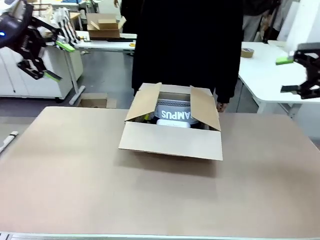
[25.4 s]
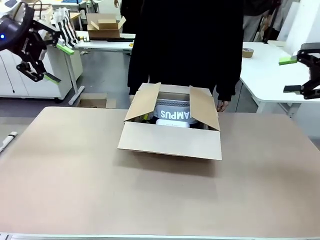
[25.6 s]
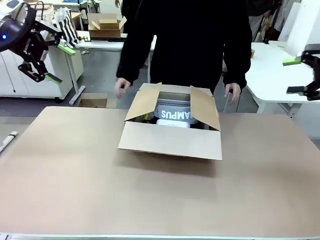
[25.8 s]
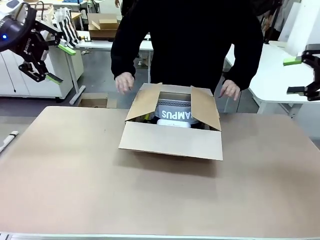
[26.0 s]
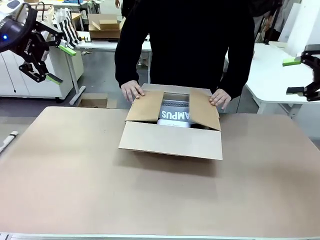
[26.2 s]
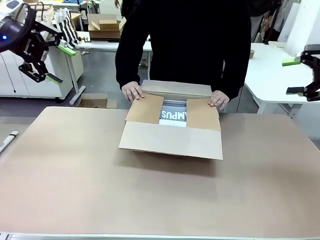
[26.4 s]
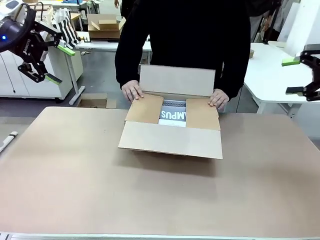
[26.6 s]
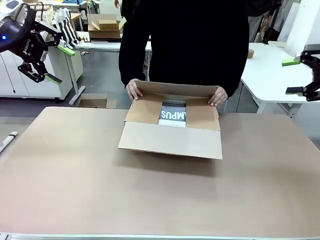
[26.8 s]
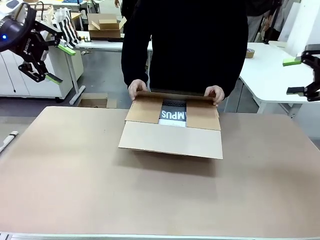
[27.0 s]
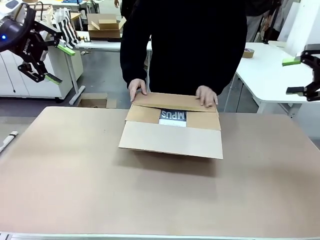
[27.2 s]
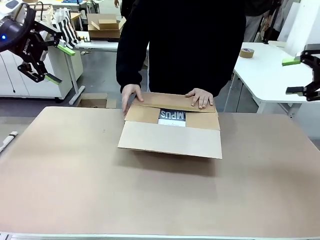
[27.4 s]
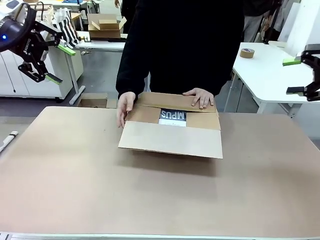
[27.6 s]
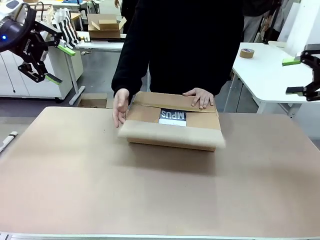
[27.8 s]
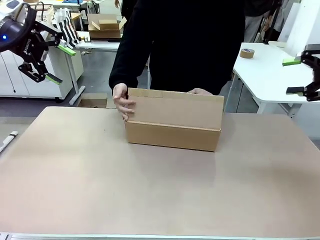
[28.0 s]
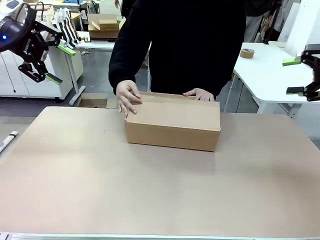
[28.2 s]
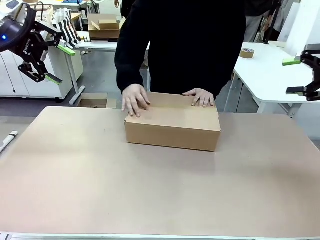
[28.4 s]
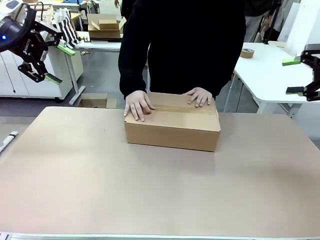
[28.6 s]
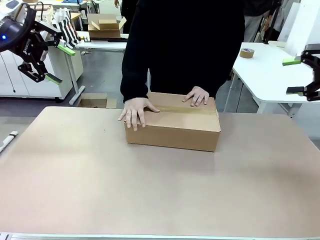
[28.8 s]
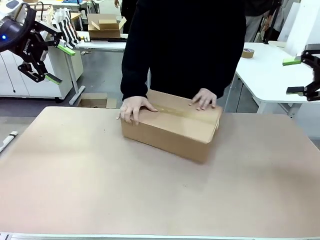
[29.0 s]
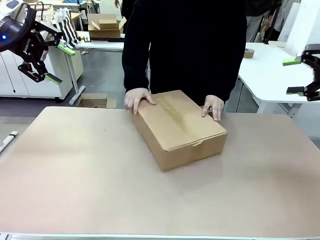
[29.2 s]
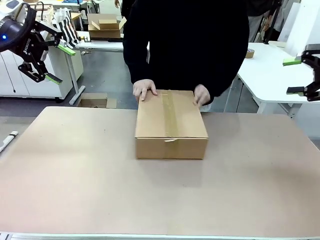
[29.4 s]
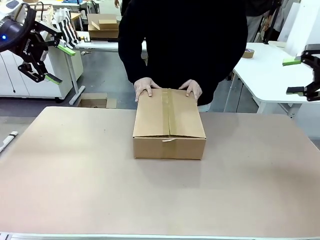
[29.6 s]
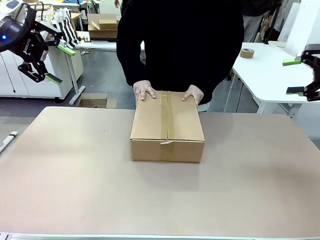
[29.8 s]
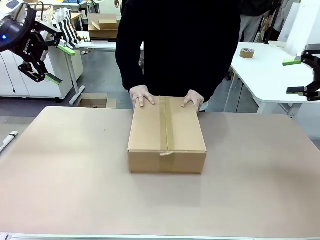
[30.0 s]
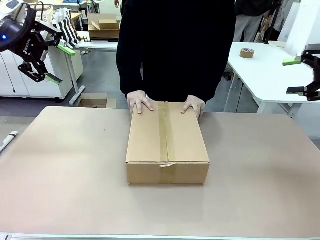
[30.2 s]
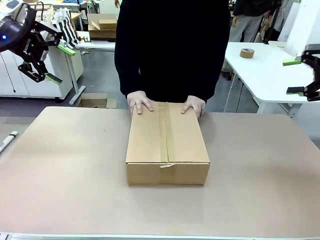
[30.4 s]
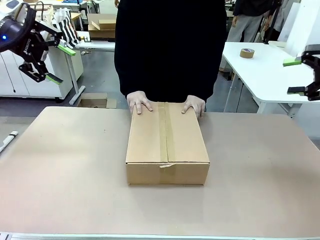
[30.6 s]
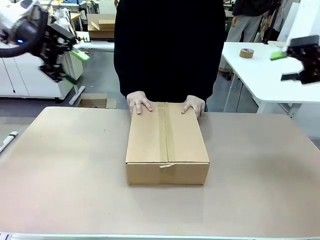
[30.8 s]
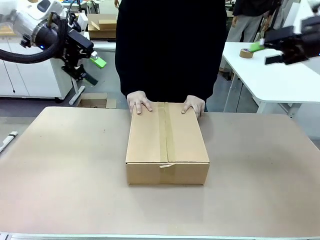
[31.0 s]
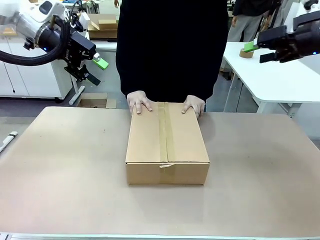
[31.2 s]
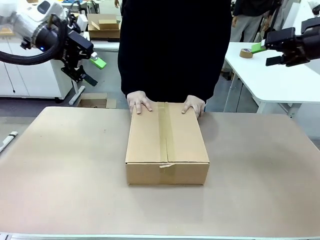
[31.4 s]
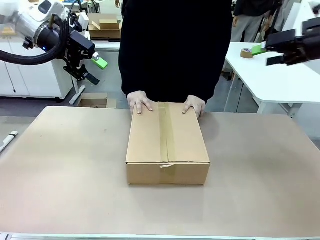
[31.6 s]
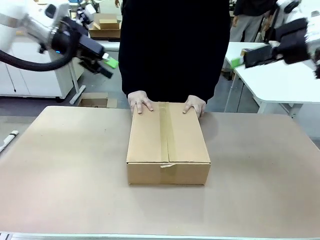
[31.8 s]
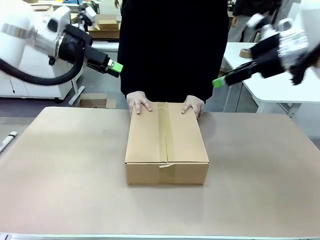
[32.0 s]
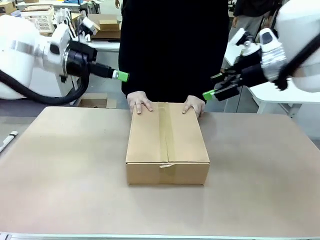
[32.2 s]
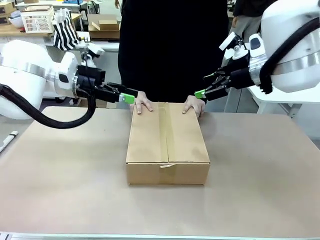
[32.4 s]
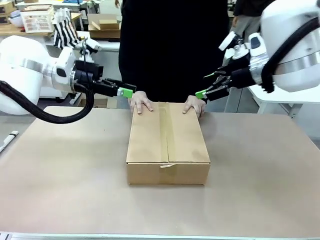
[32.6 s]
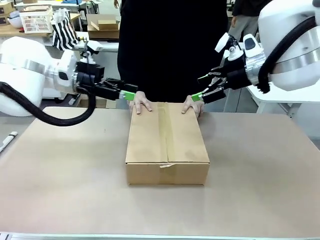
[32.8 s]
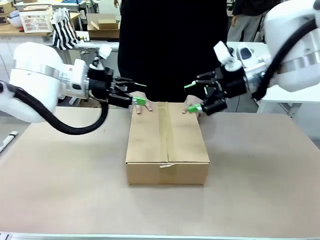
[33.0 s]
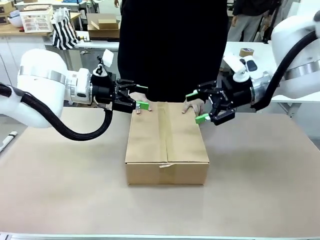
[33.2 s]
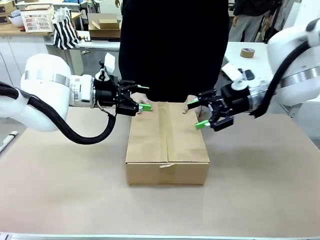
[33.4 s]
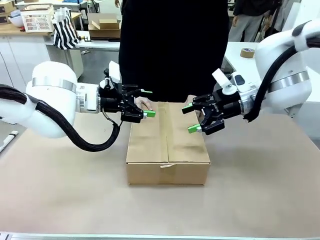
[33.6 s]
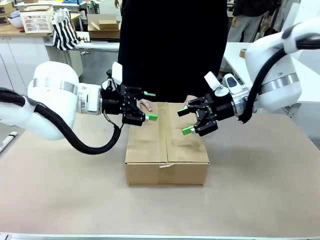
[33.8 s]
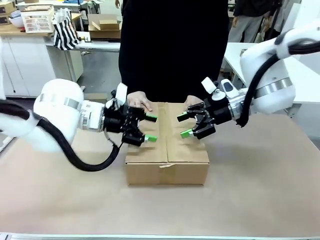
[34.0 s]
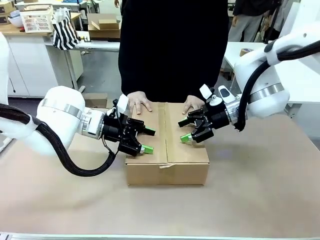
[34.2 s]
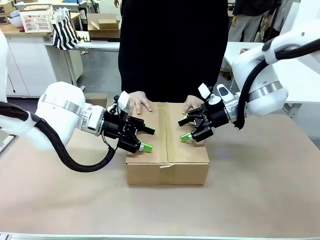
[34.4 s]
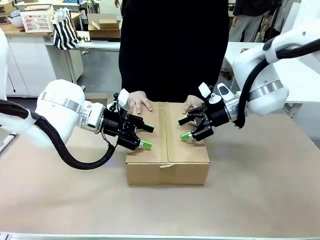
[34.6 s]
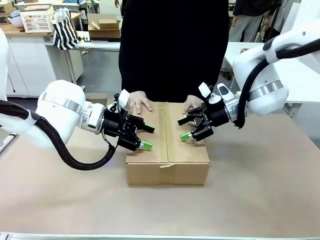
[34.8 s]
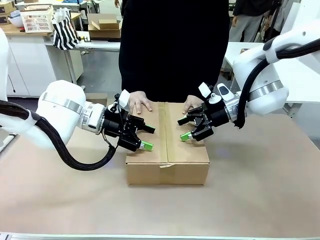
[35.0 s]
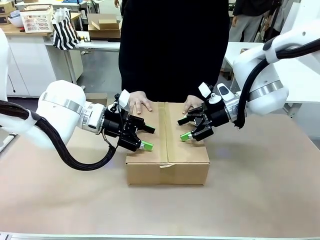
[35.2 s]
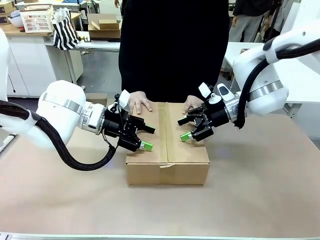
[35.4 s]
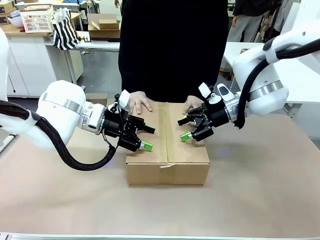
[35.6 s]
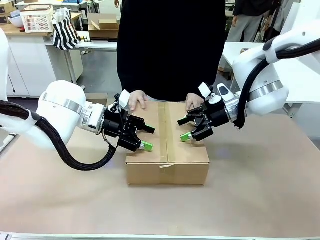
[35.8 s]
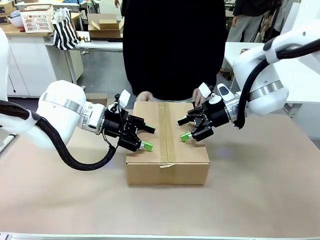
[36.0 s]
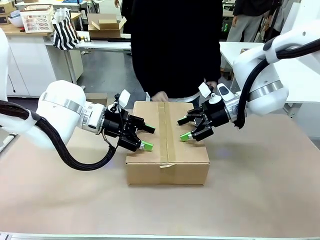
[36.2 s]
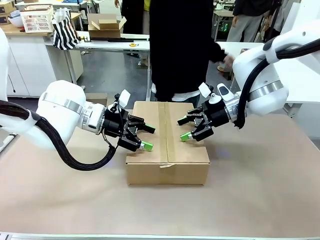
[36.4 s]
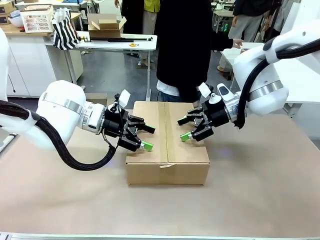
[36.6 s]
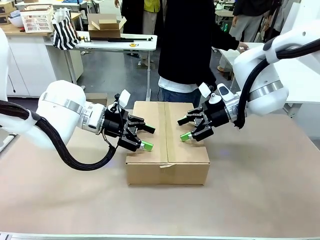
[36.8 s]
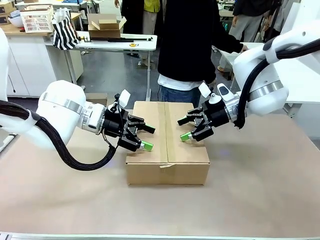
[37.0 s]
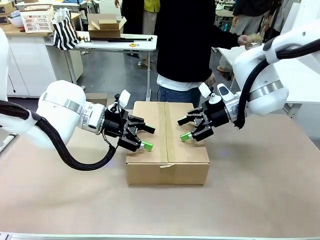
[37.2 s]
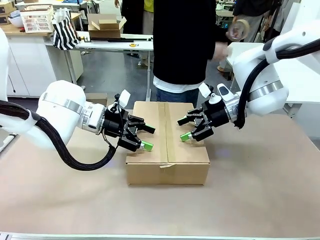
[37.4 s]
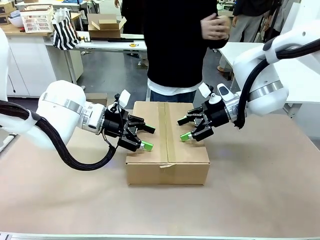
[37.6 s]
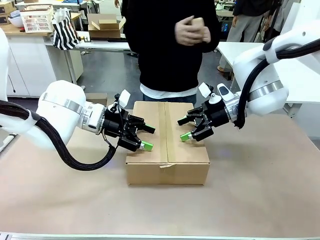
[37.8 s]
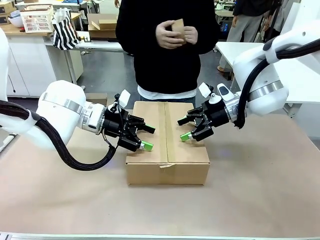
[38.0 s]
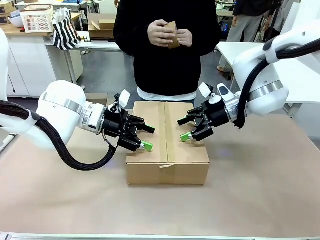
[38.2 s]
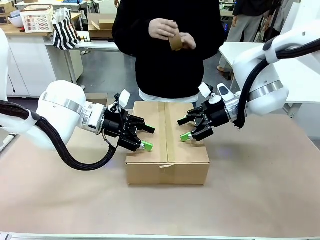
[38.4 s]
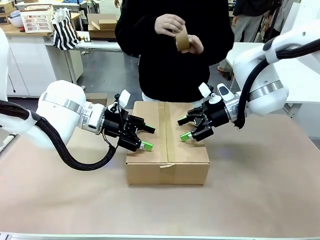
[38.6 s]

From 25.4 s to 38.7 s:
Task: Pack the gift set into the box.
Robot: Press and hold the closed box until the human finishes sealing it.
Person: The human closes the box and rotates the box by 90 degrees.

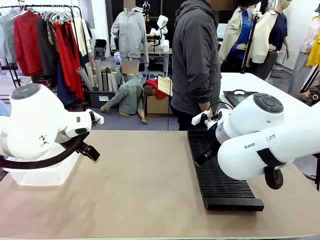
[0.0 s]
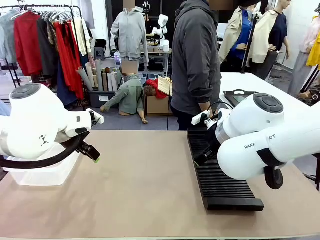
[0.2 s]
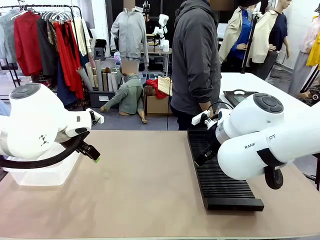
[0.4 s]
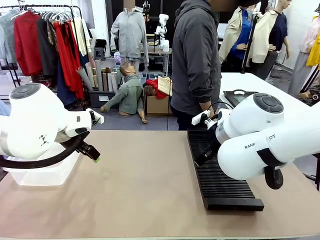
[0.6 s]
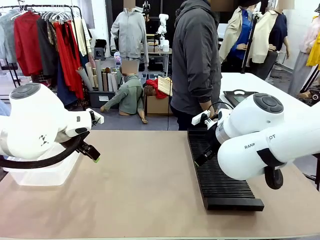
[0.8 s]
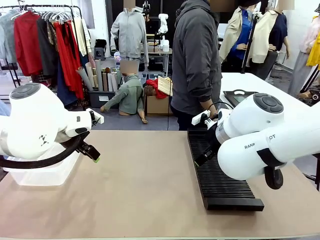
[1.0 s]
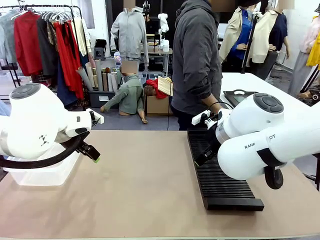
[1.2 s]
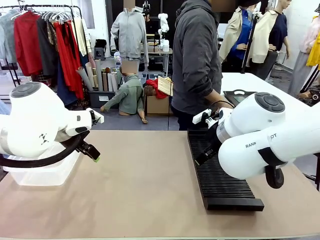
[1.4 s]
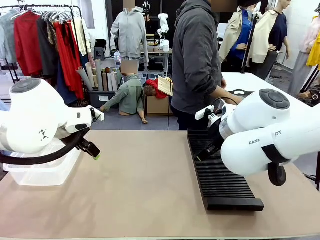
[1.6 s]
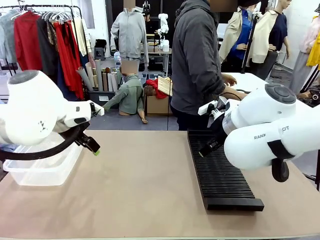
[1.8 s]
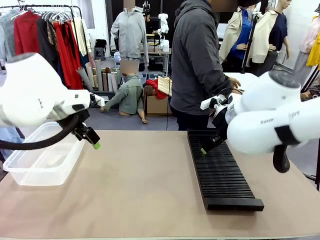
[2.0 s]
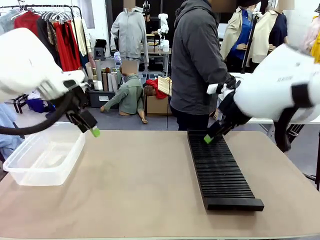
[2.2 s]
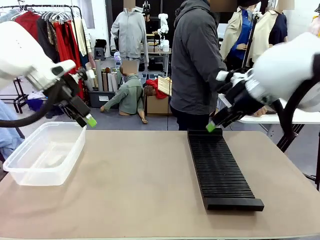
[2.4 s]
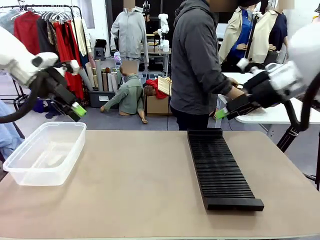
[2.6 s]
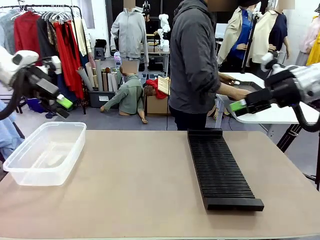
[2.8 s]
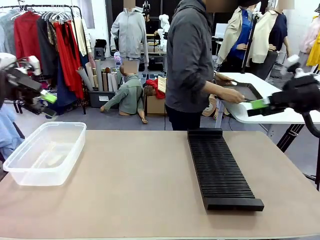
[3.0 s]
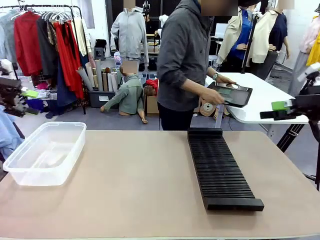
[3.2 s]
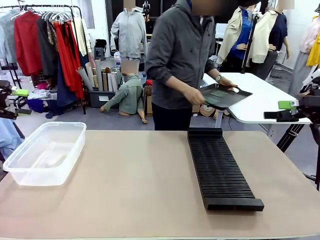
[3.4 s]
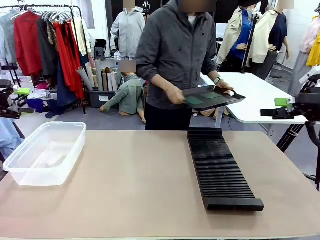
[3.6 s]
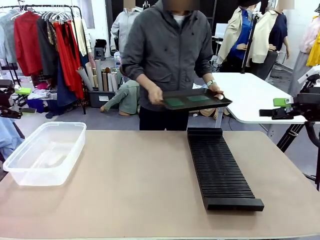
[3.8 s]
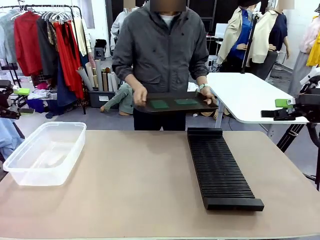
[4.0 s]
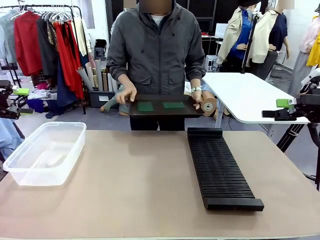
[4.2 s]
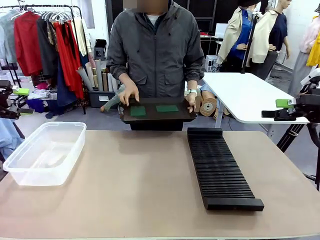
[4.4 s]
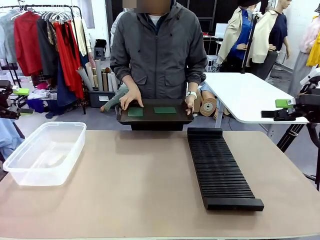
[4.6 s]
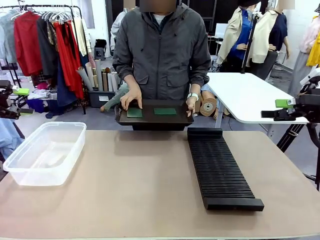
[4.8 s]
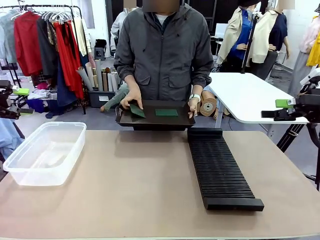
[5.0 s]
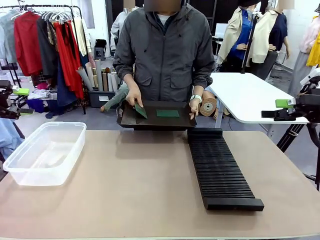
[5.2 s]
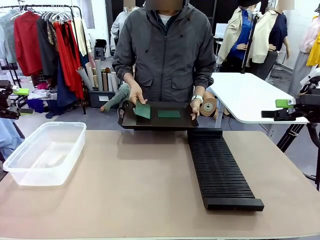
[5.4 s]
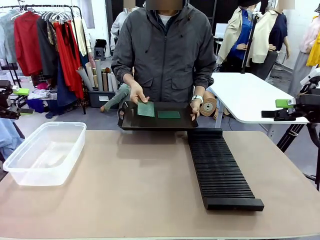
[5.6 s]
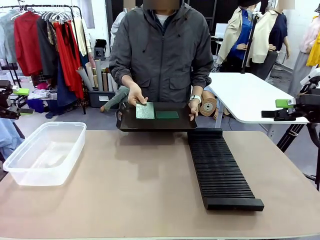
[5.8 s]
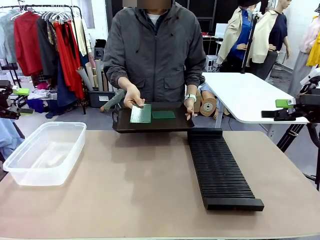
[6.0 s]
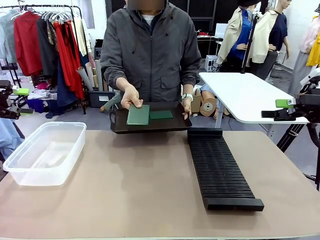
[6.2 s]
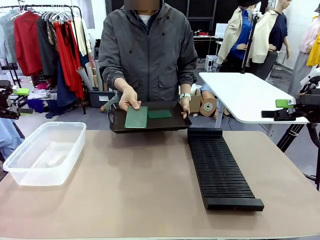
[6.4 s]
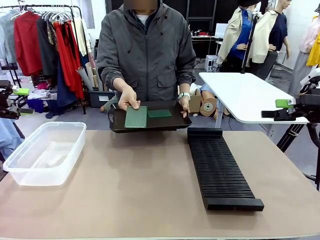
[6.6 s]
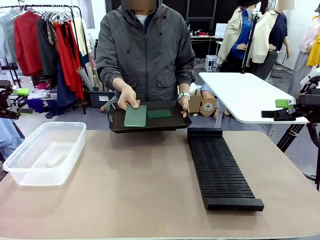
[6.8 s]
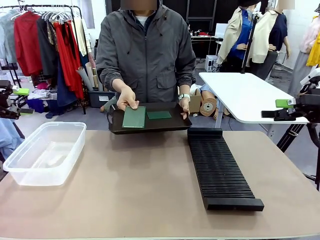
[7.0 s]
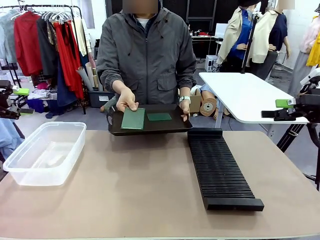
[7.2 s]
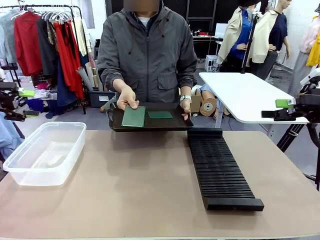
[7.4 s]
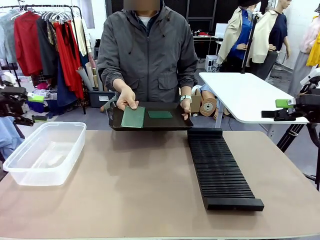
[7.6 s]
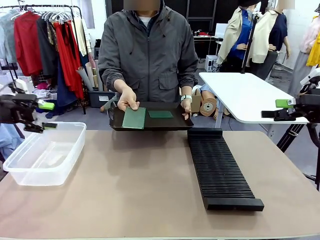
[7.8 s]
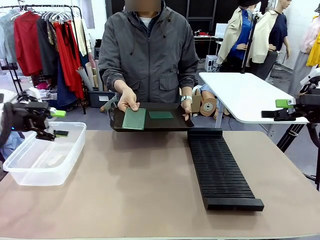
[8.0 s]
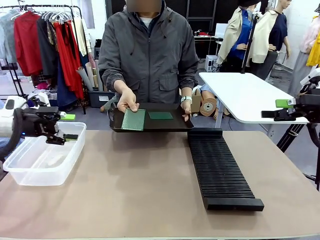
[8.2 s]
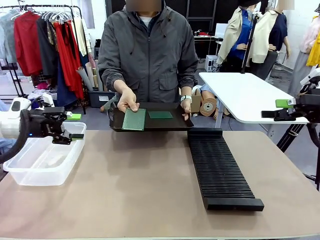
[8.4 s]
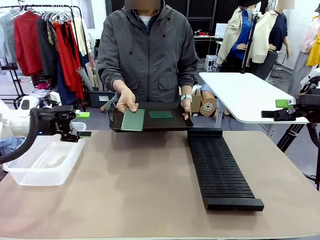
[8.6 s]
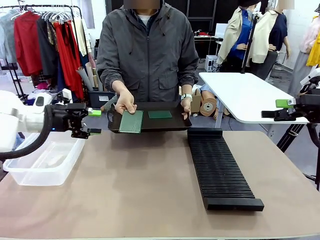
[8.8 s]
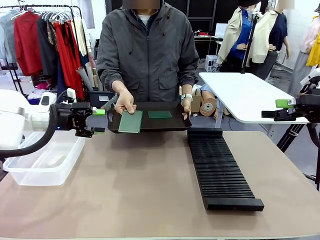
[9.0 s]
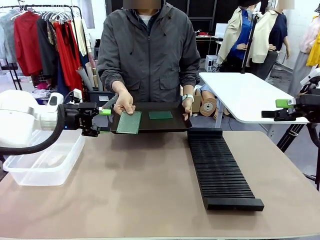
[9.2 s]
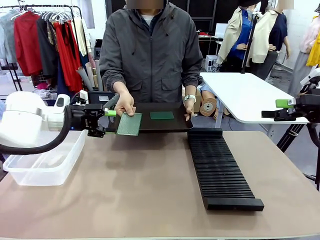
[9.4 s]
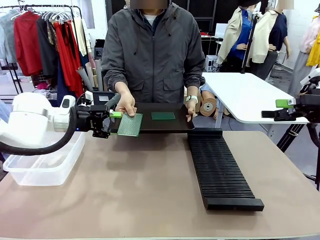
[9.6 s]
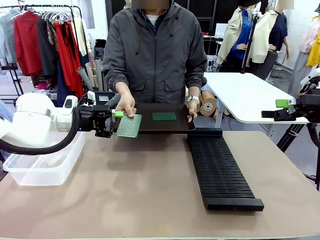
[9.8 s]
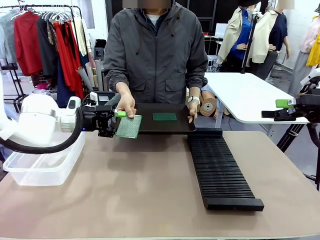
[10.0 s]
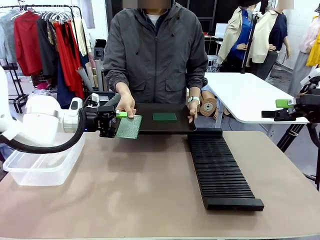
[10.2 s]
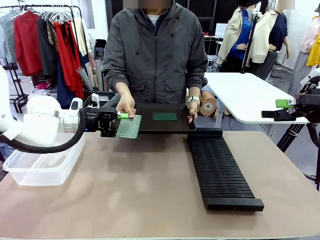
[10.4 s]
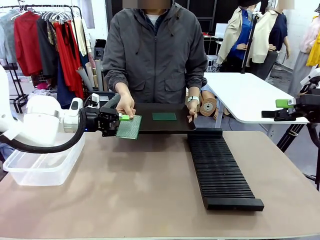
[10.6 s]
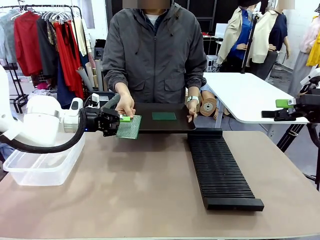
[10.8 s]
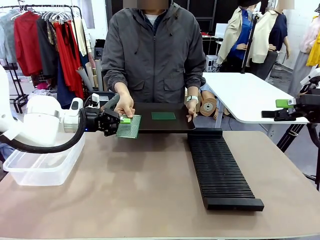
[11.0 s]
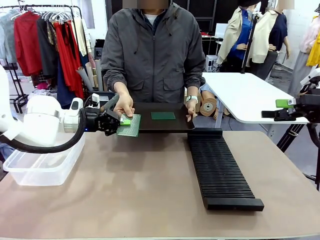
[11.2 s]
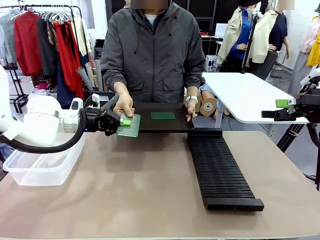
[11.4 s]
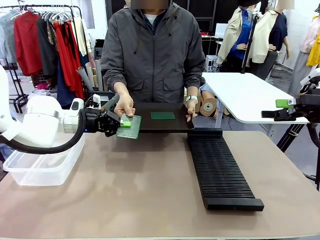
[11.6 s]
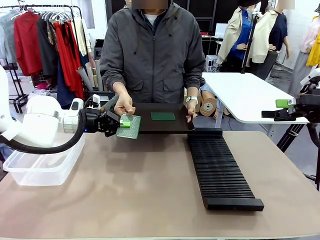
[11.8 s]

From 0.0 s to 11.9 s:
Task: Sort PCBs into racks and boxes based on the side picked up.
Robot: Pick up the Blank PCB handed by the Human.
Person: Pick one PCB from the tray and present it to the robot. Release the PCB being held.
